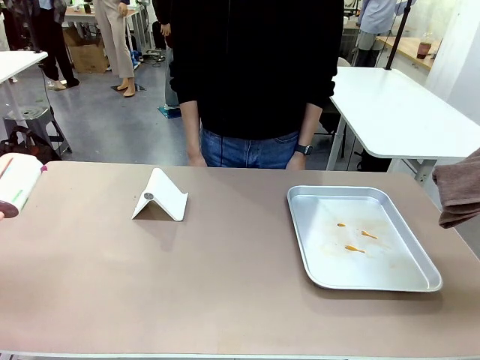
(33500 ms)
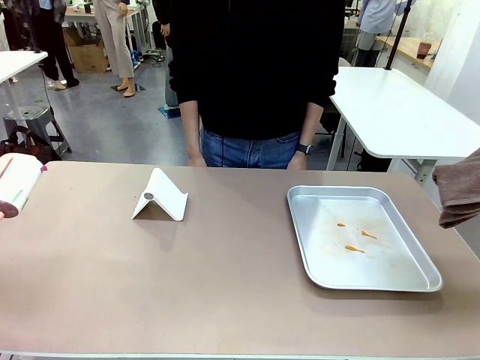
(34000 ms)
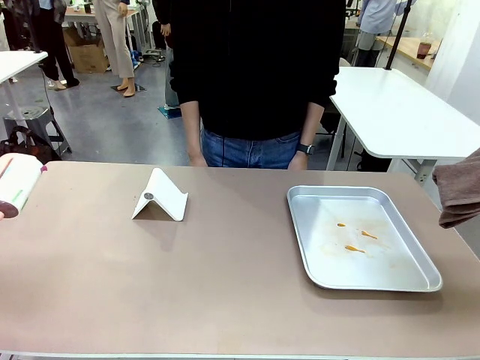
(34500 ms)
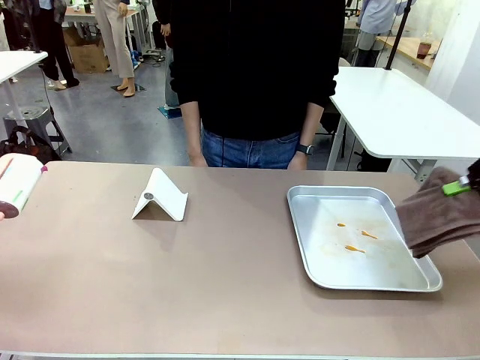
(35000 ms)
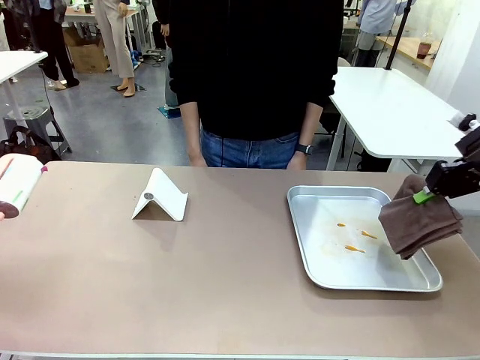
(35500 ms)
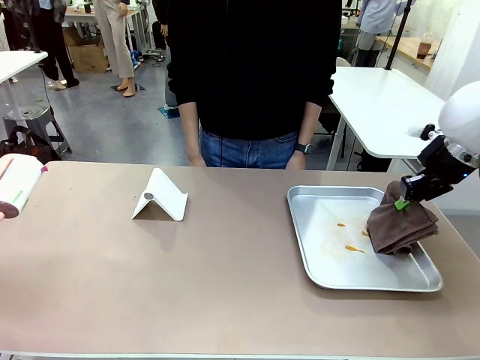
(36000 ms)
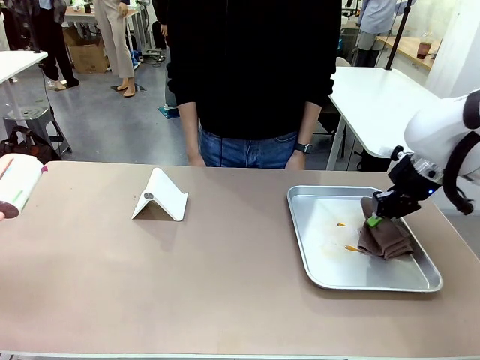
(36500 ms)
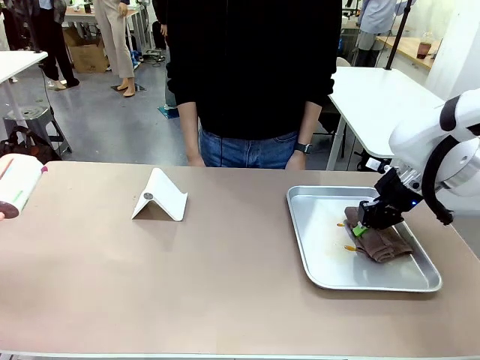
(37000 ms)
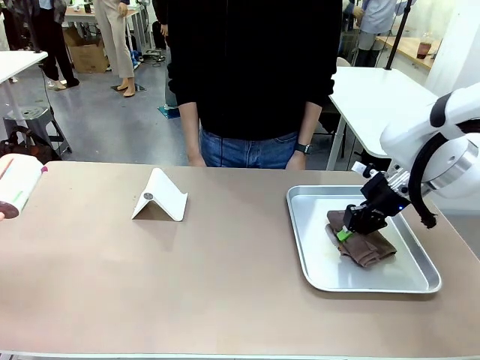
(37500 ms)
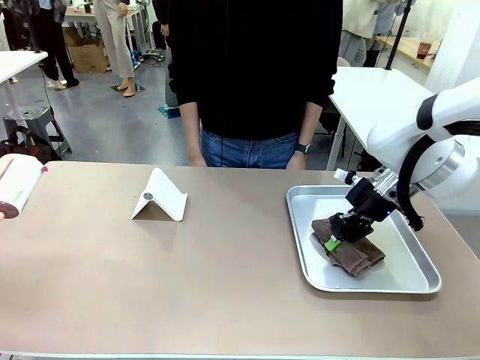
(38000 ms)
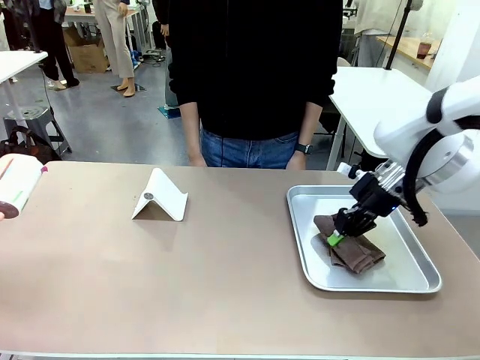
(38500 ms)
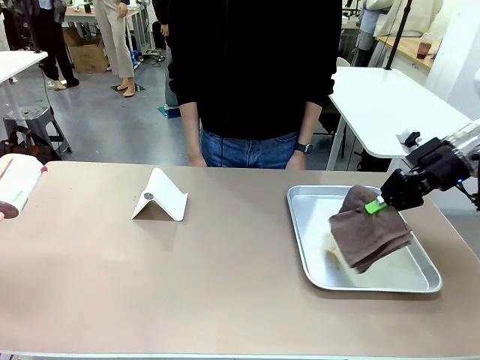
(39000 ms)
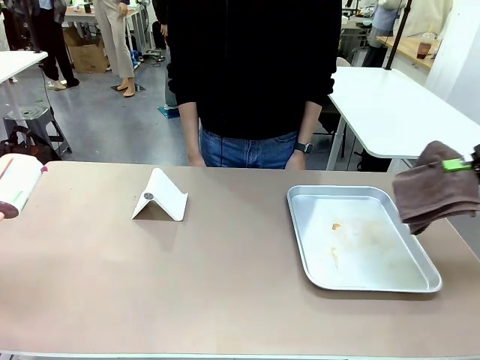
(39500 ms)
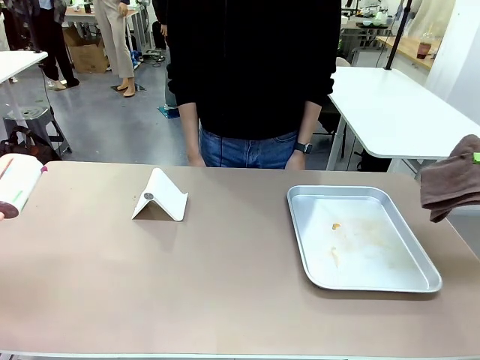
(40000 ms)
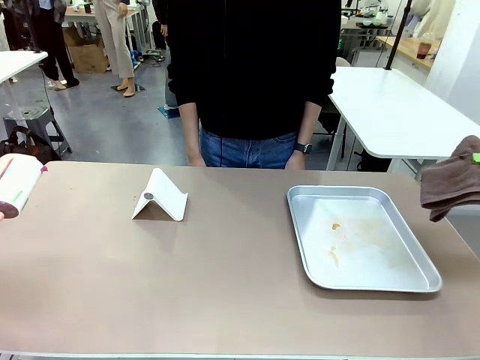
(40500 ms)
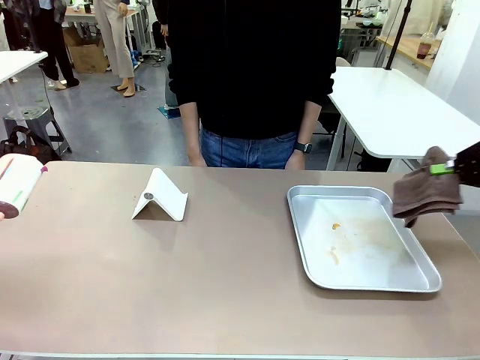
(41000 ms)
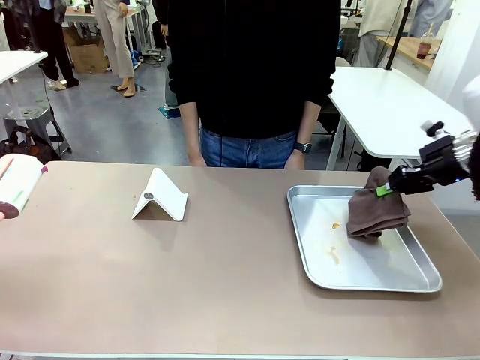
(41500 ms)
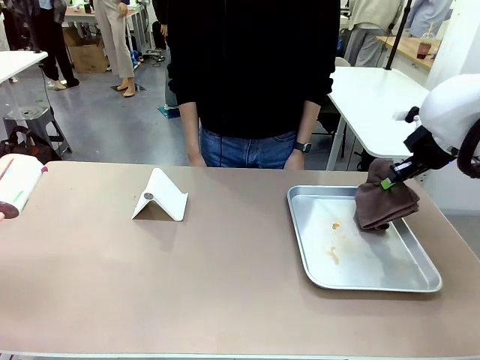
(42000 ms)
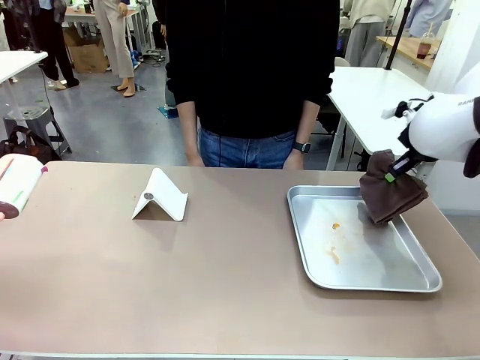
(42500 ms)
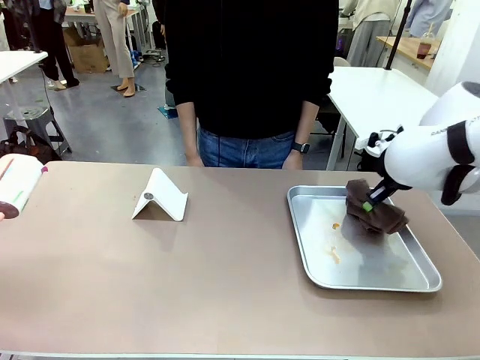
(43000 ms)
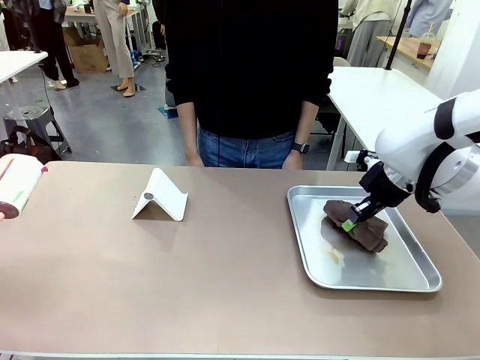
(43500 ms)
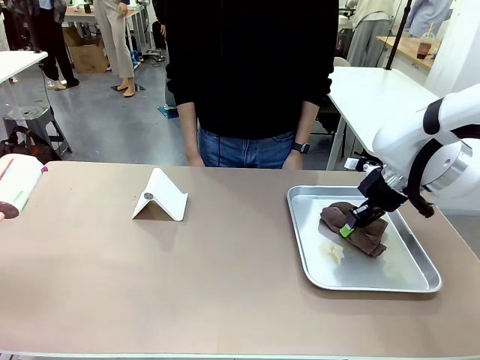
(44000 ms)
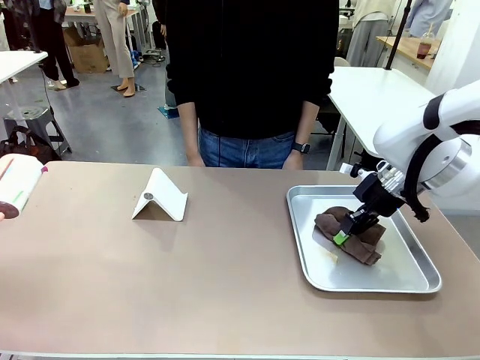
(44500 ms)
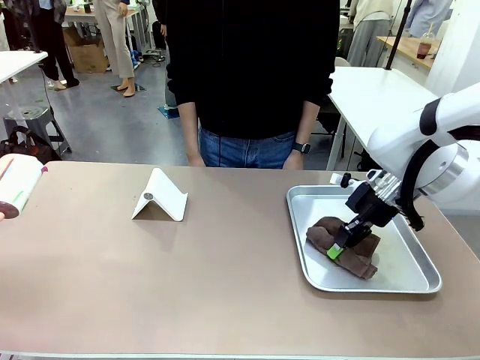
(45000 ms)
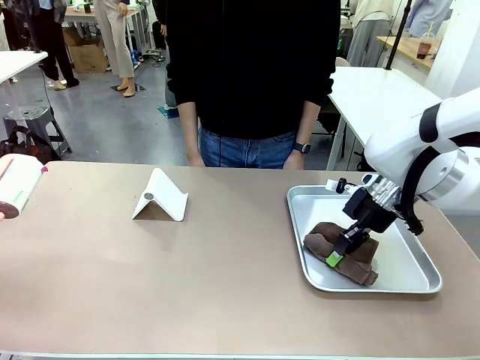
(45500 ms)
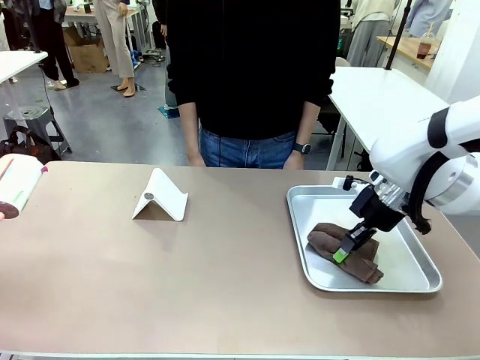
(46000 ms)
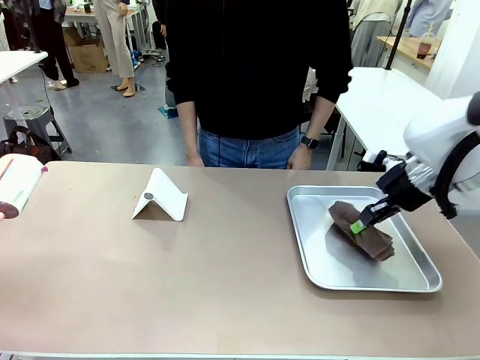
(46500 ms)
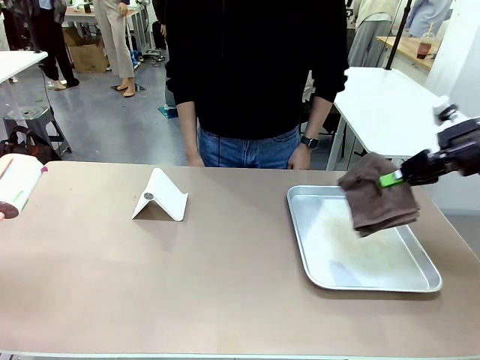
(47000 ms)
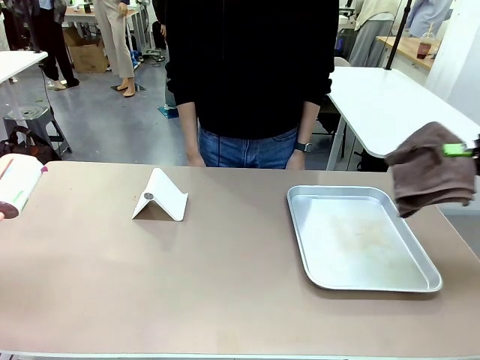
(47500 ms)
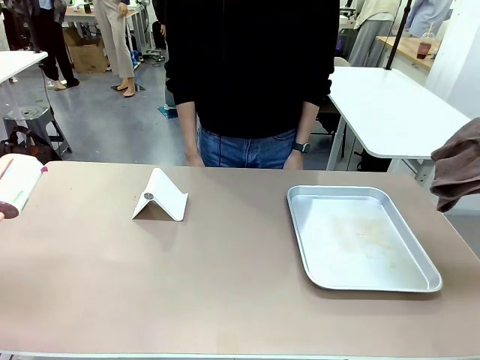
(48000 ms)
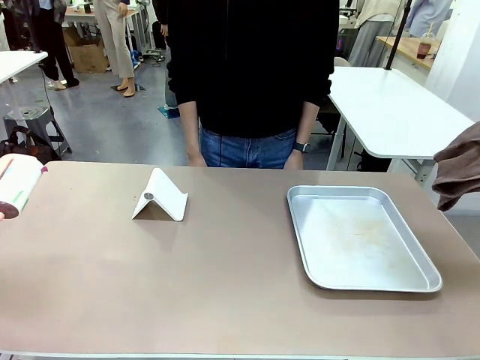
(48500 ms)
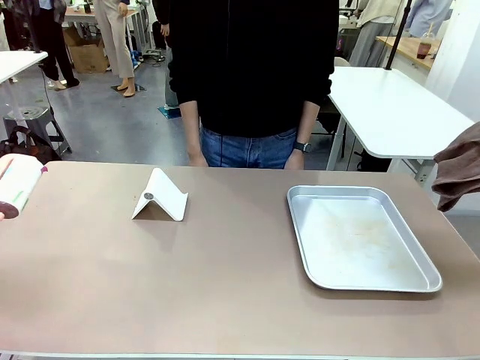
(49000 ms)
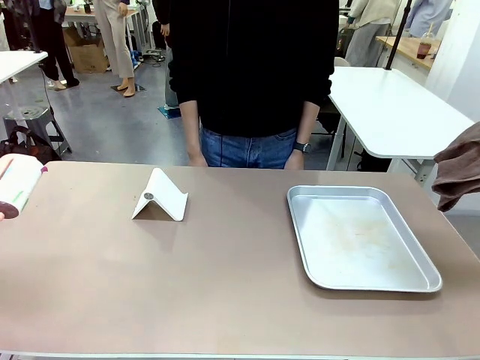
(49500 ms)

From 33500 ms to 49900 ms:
Task: Clean the surface of the table.
Robot: Clean the area not pointed to by the person.

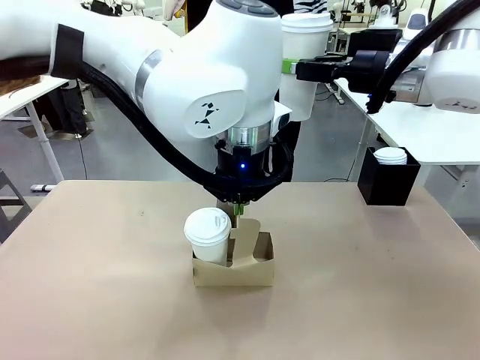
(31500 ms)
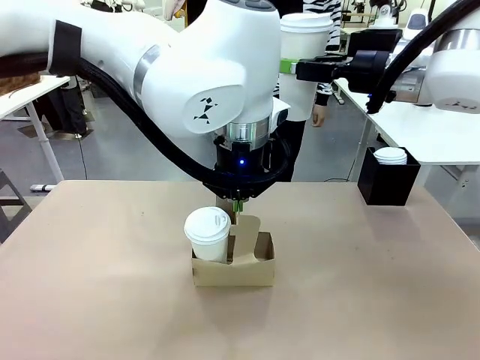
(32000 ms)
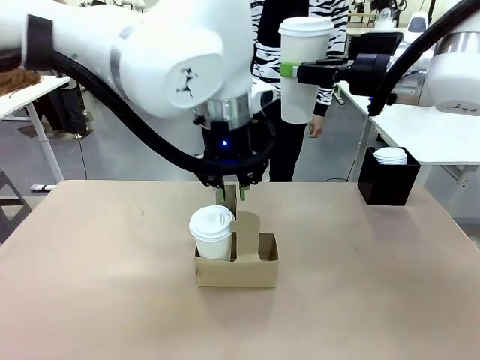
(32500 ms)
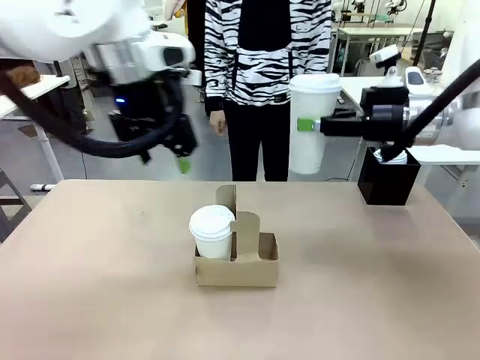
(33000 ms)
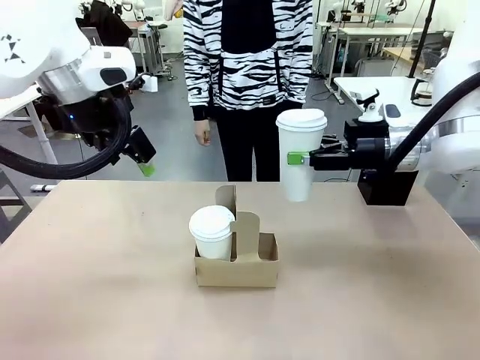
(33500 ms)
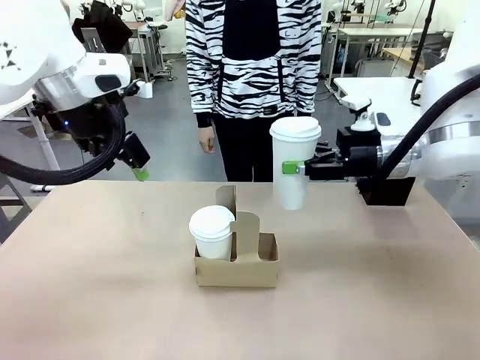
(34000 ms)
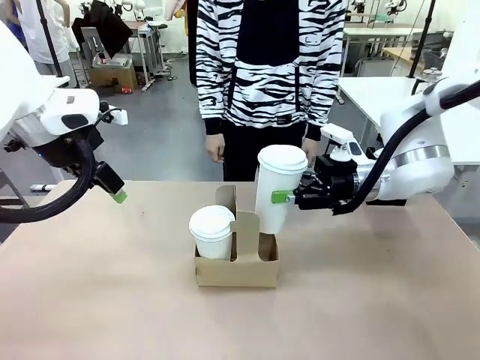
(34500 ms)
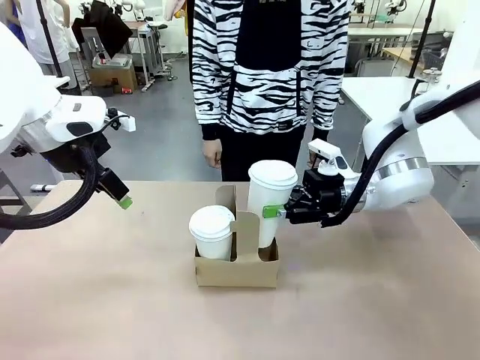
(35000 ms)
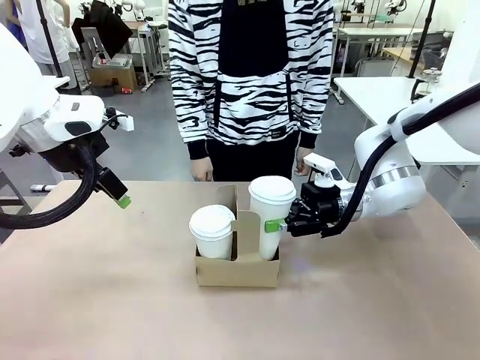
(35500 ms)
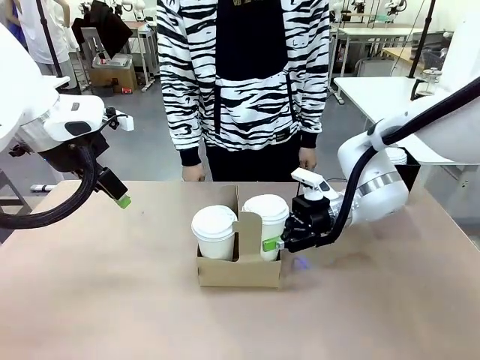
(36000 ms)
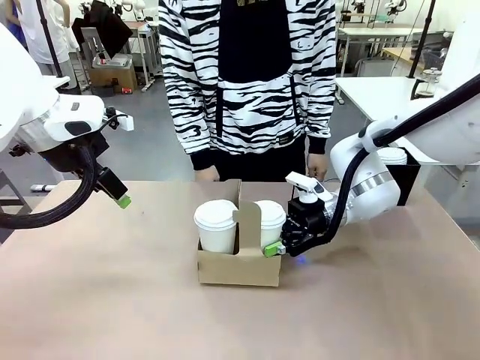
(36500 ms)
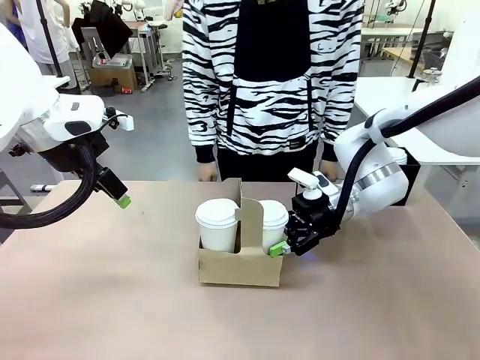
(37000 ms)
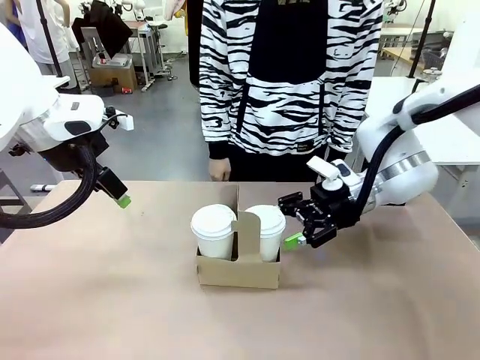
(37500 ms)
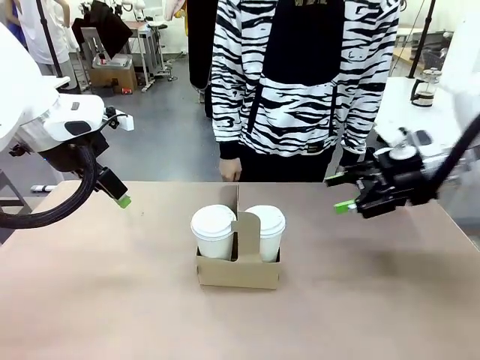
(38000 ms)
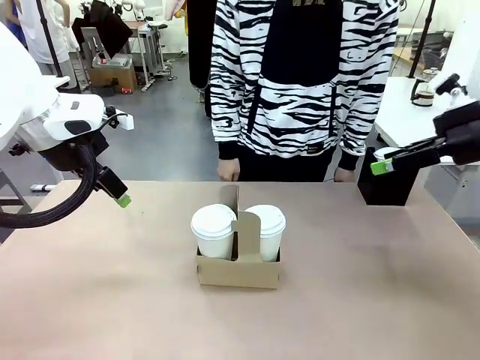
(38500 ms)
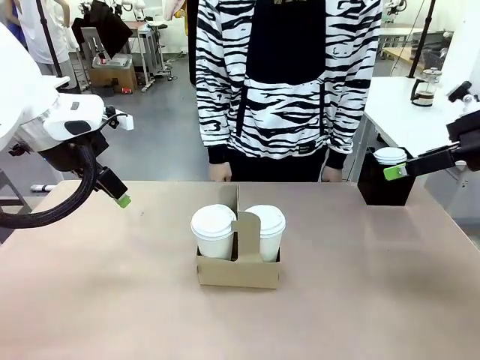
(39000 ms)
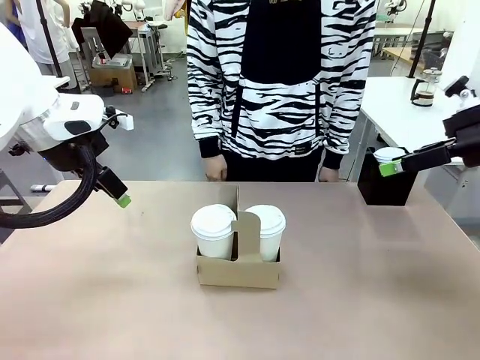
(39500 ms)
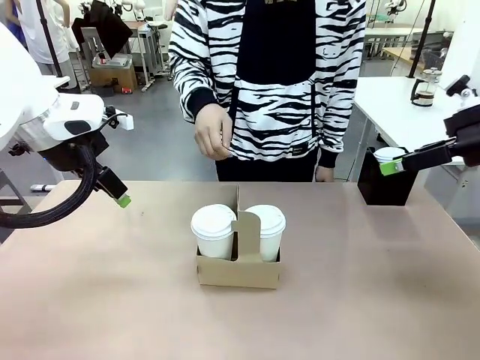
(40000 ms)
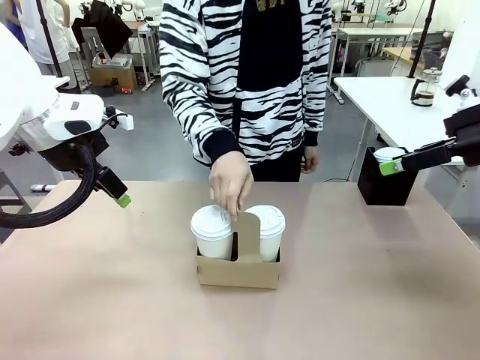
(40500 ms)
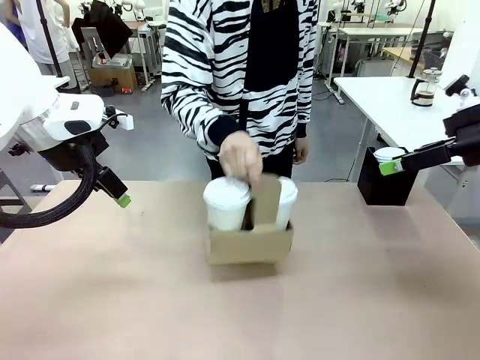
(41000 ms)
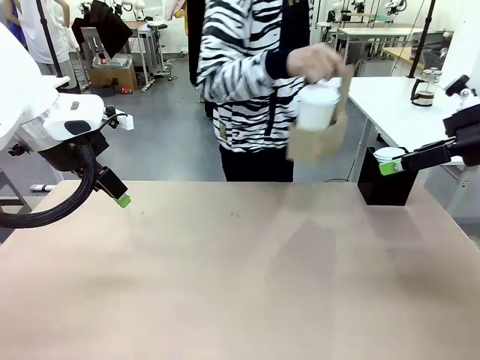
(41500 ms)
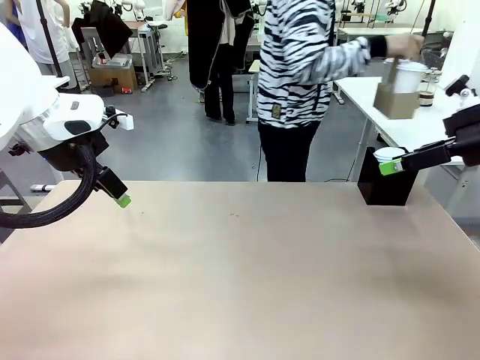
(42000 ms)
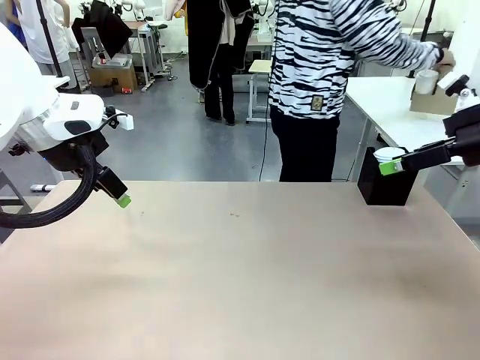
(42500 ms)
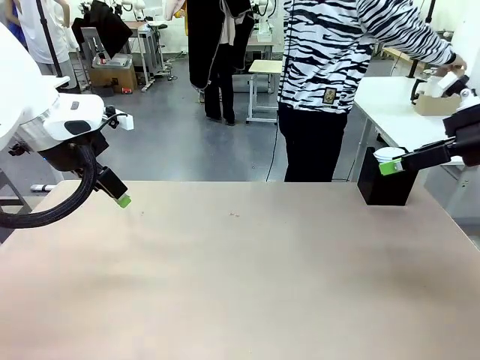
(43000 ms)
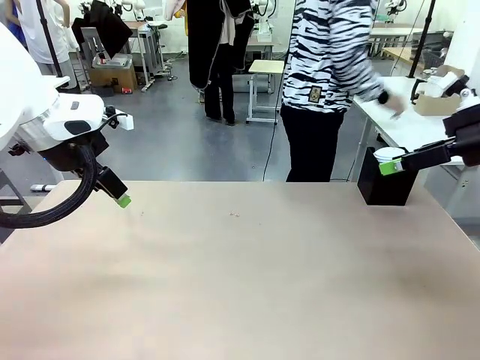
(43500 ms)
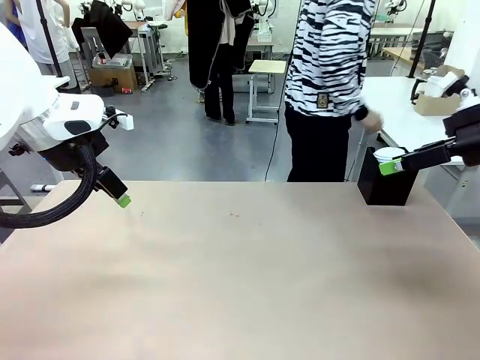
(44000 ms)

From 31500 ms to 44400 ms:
Task: Pour a drink into a cup and package it in a carrier.
Robot: Insert the held 600 ml Paper Cup into the Cup Carrier.
Person: Place the Cup Carrier to the middle of Human table.
